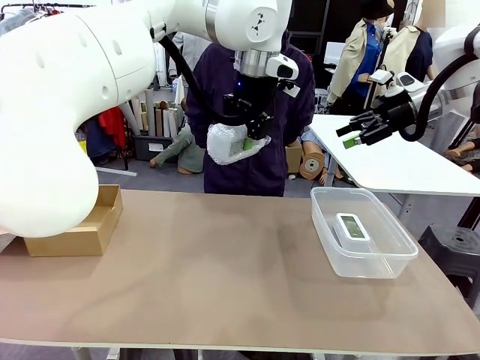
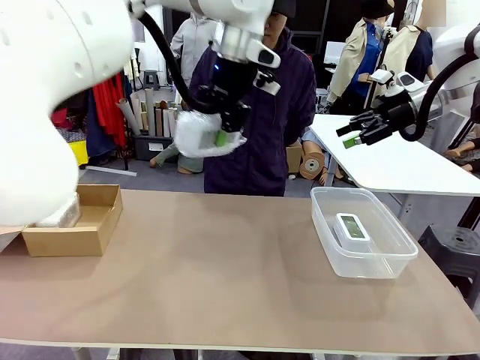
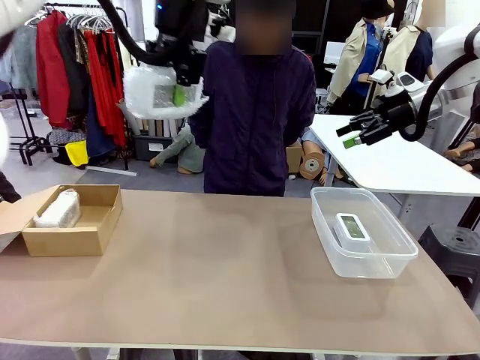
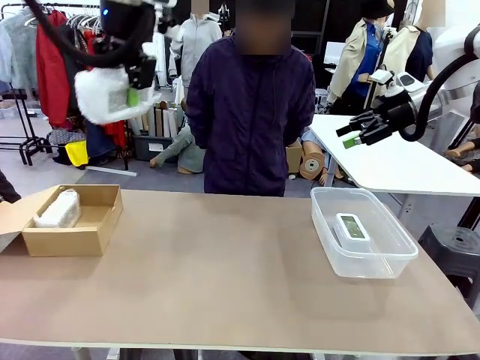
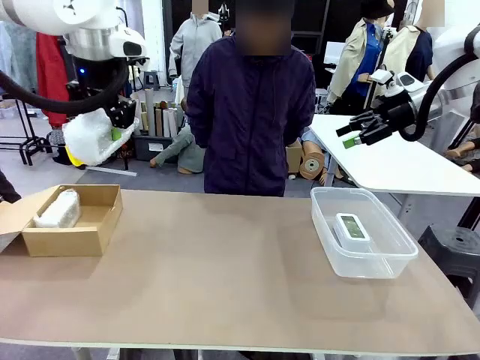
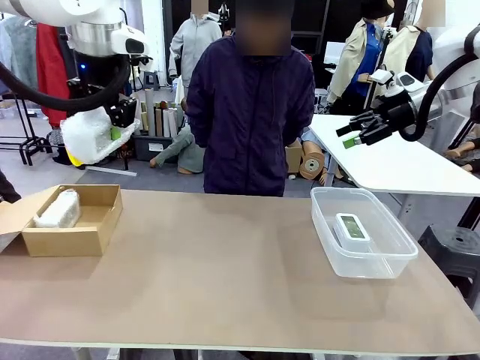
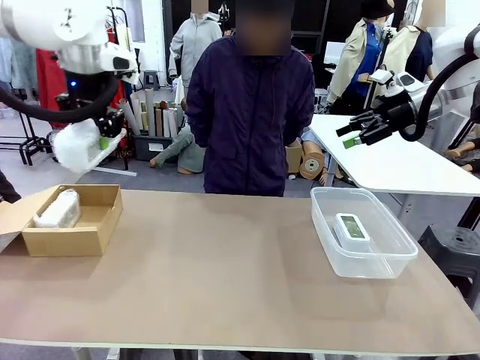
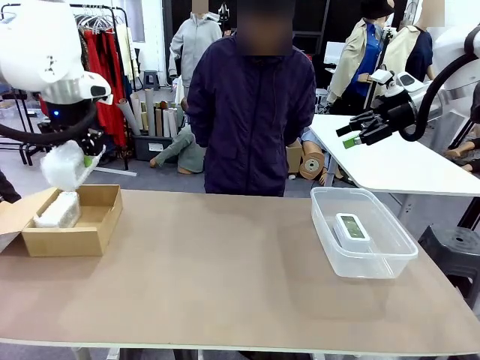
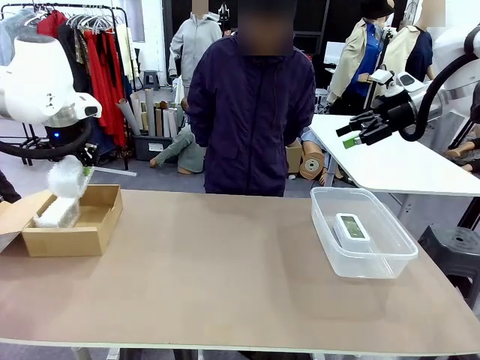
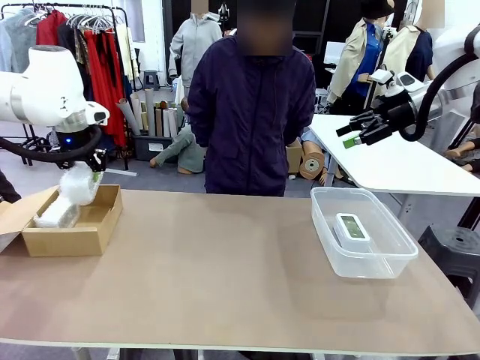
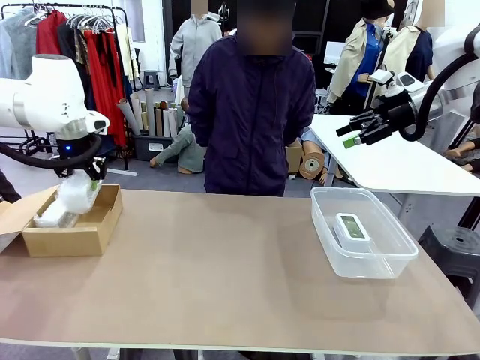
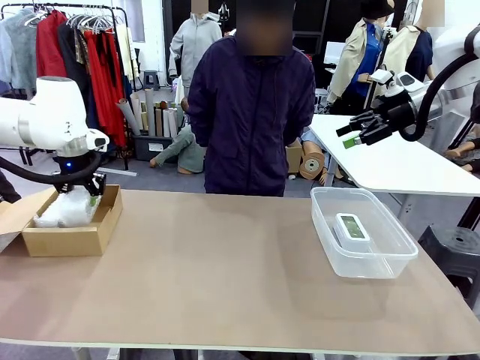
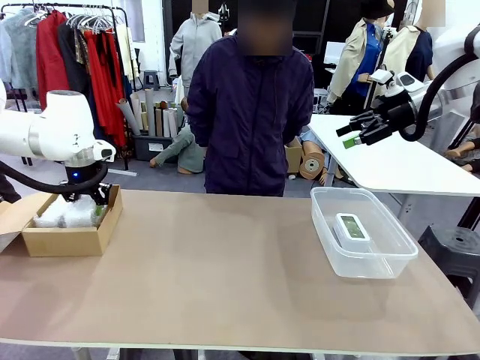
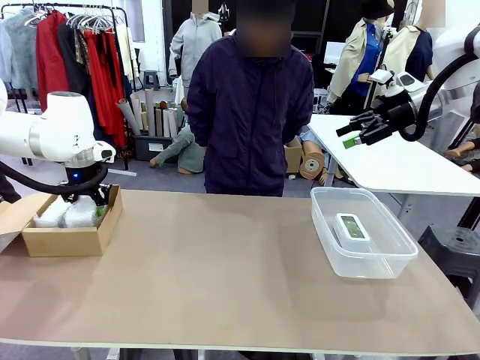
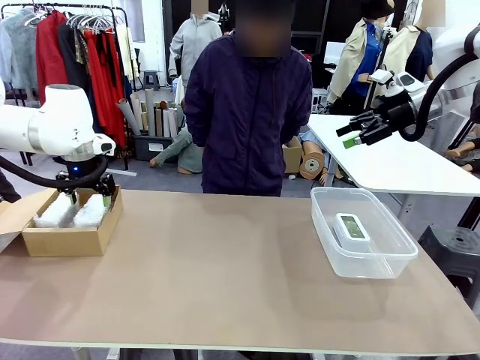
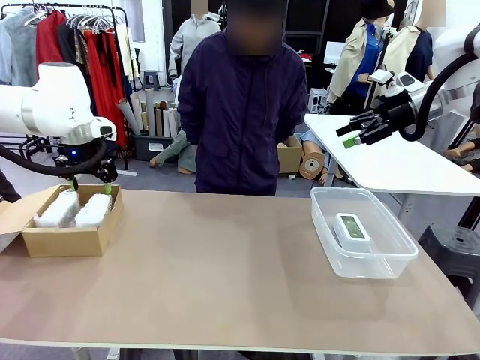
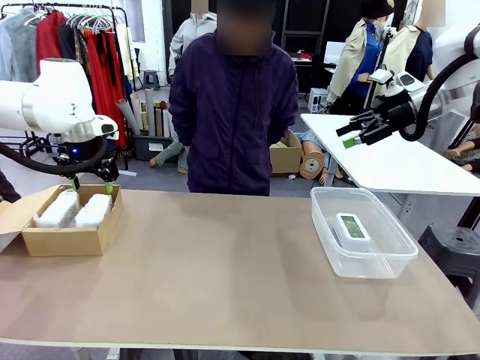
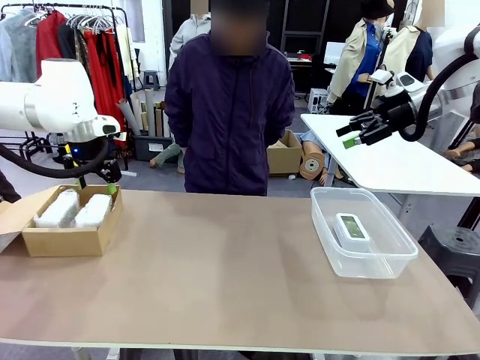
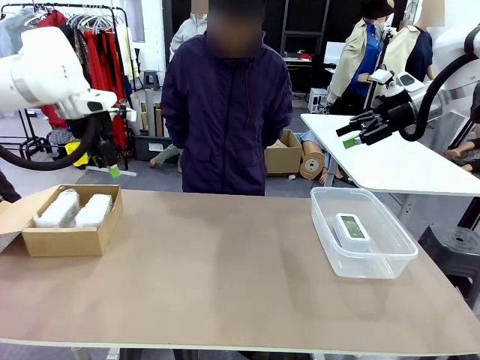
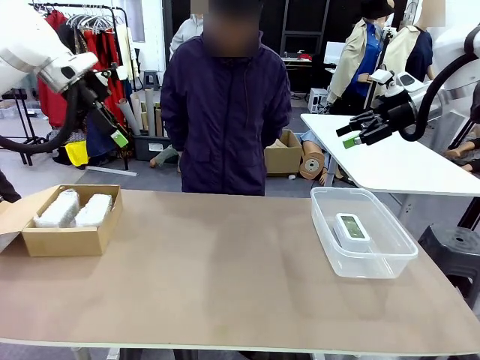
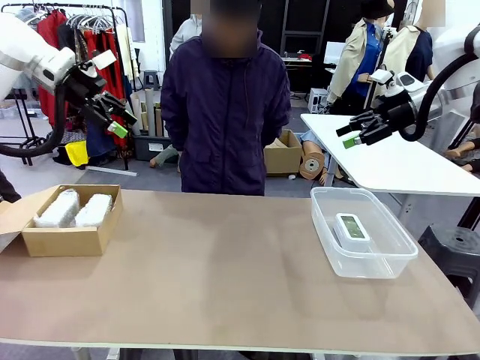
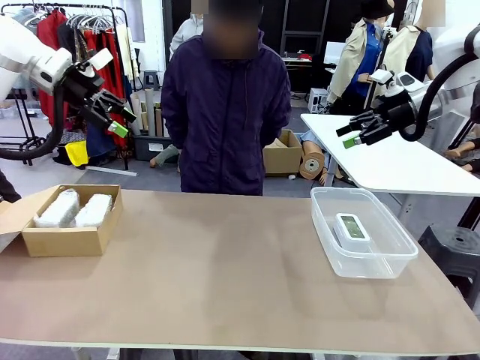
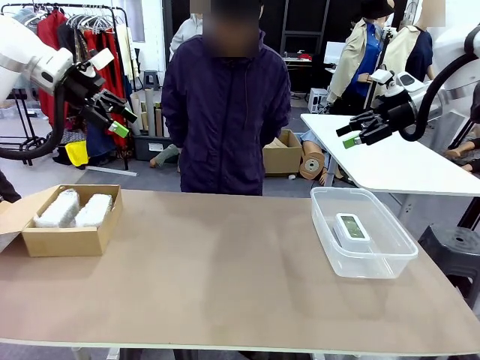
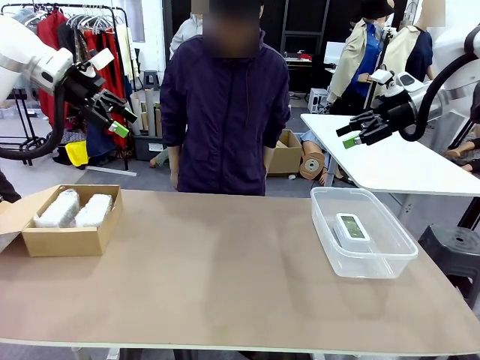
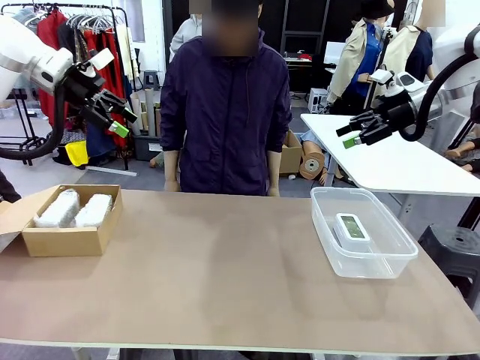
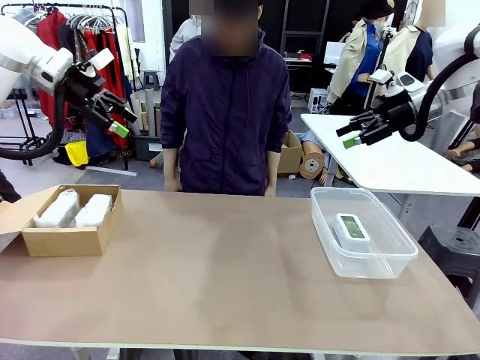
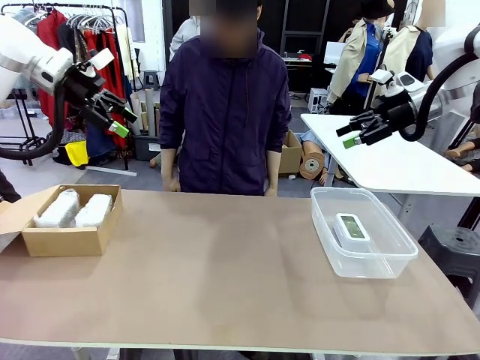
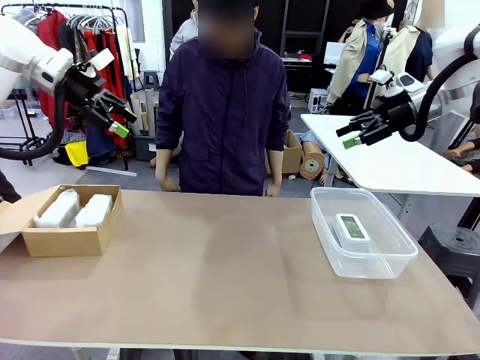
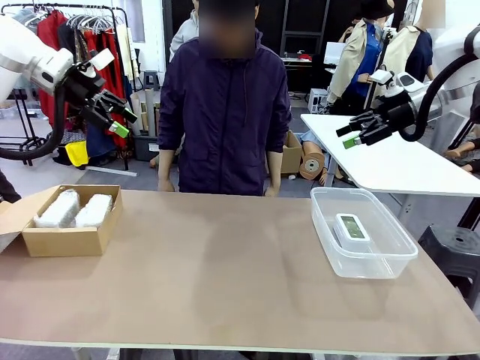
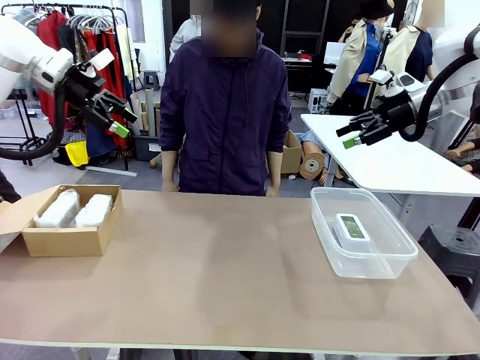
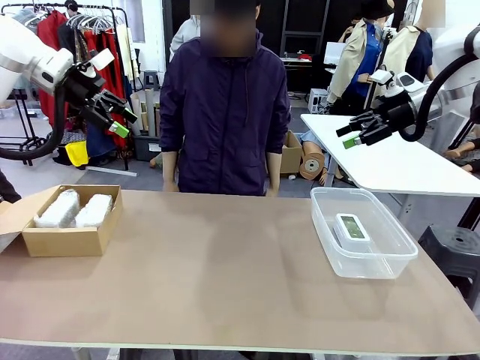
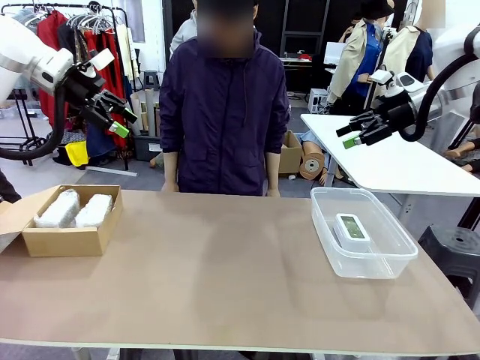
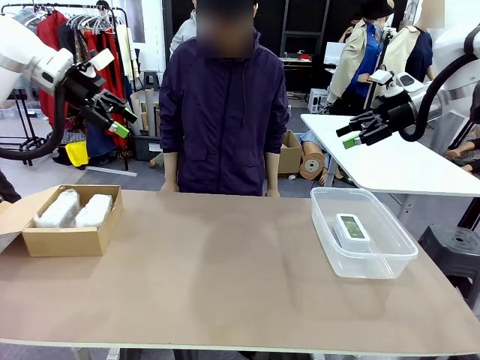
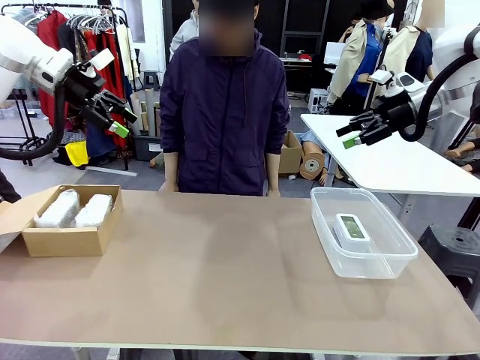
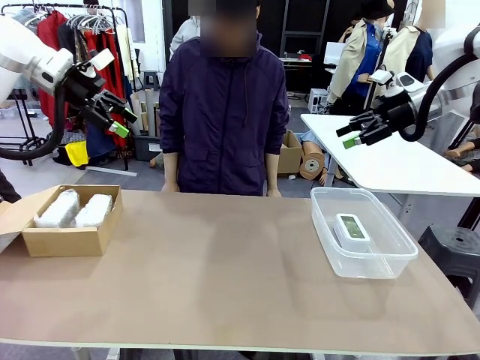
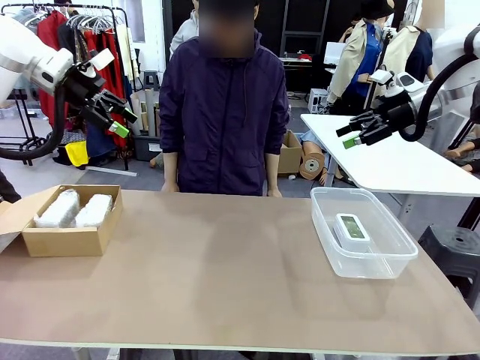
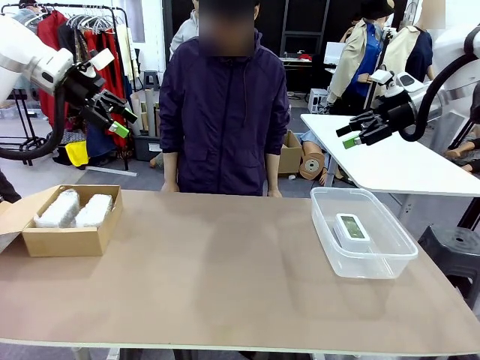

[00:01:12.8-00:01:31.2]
Task: Separate and place wrapped and unwrapped clocks.
Robot: If the picked Digital clock is wrapped, place it in the Package Box ; if not, place it in the Organizing box.

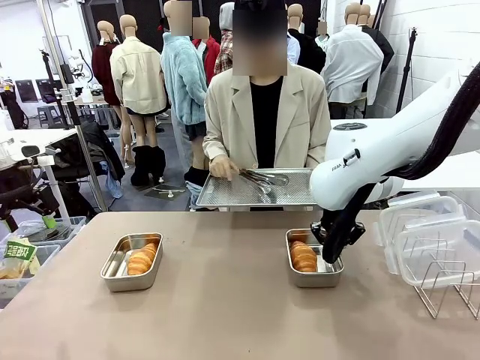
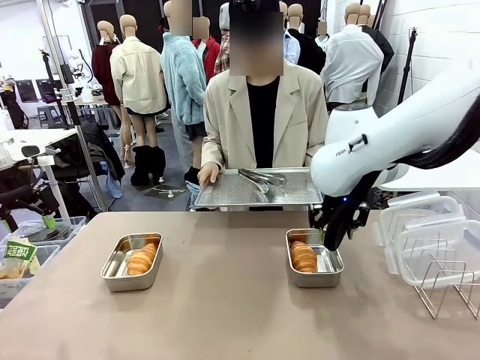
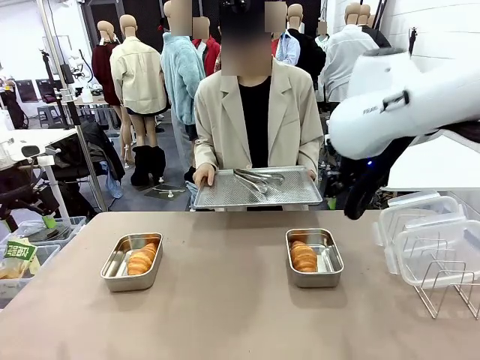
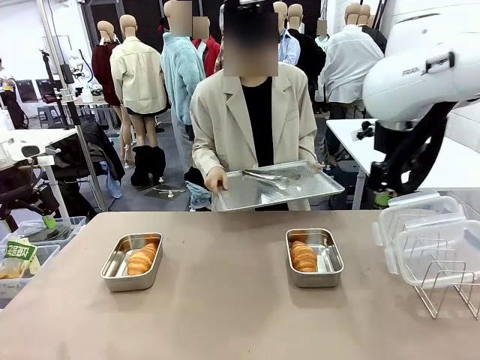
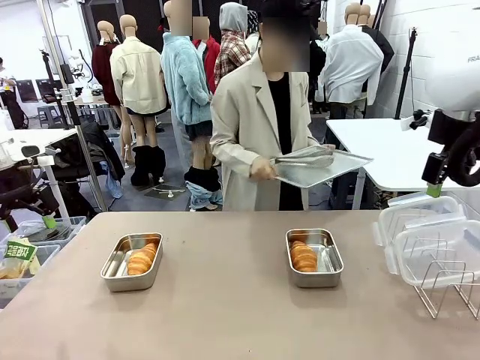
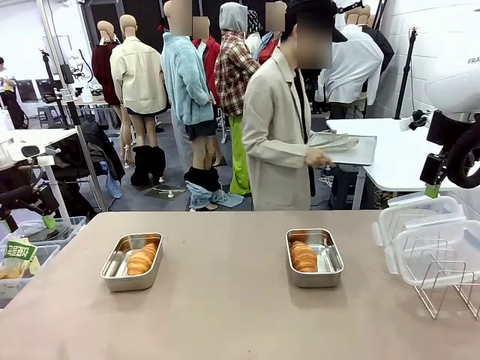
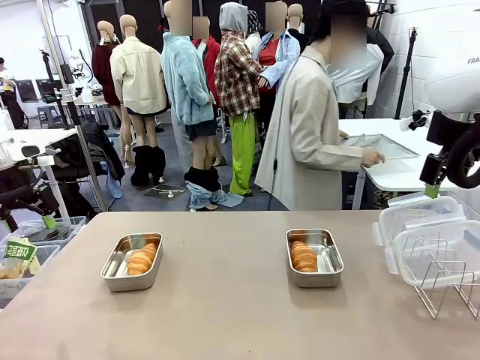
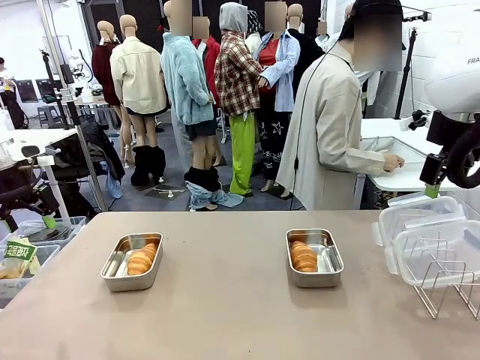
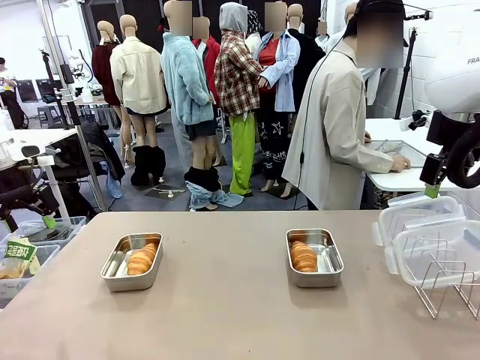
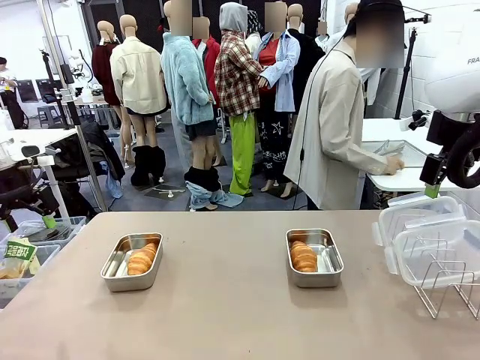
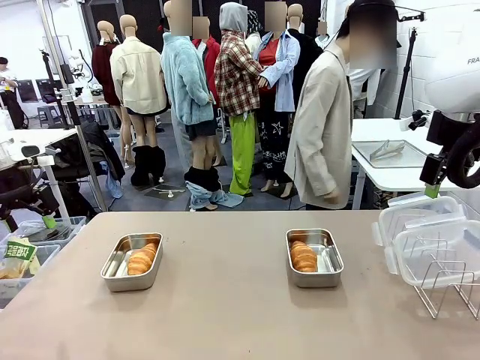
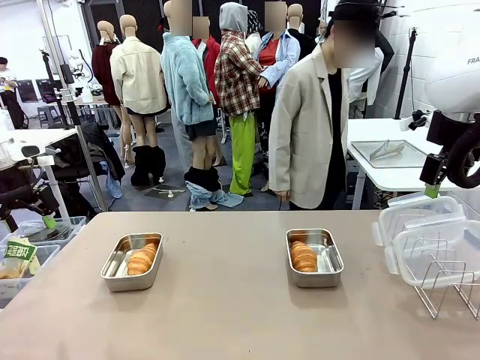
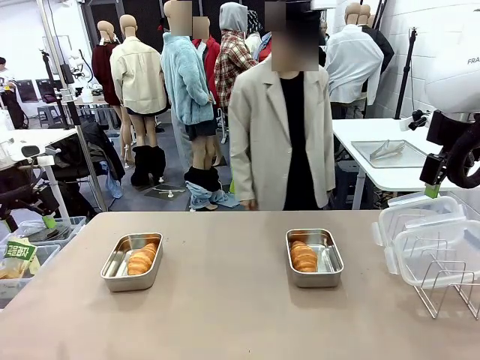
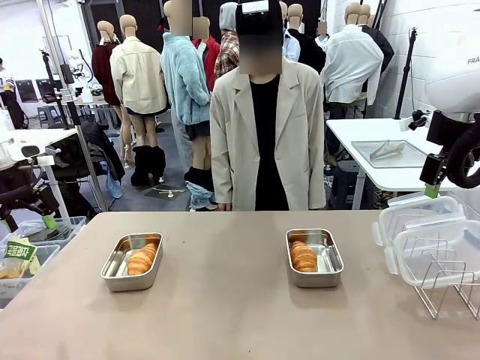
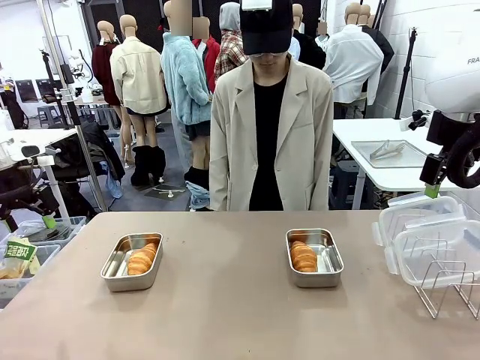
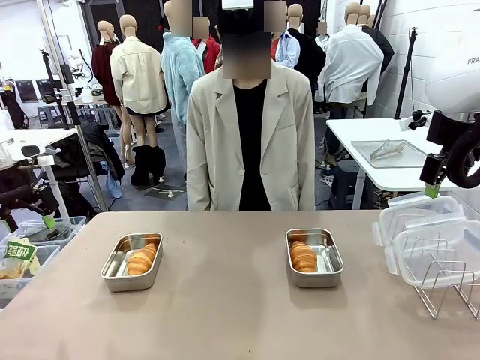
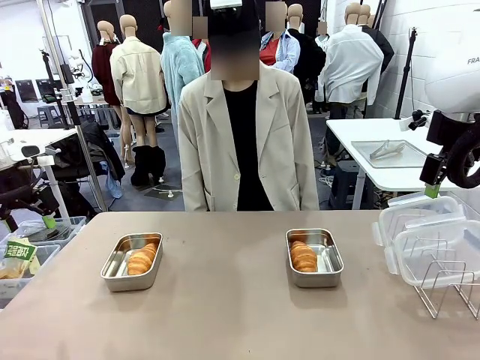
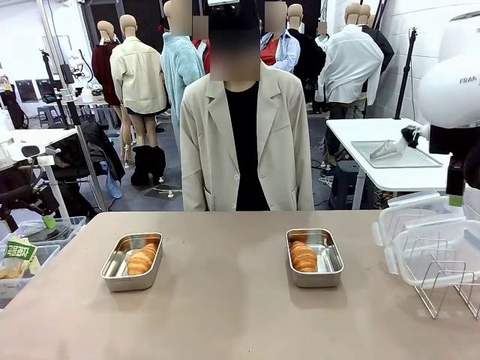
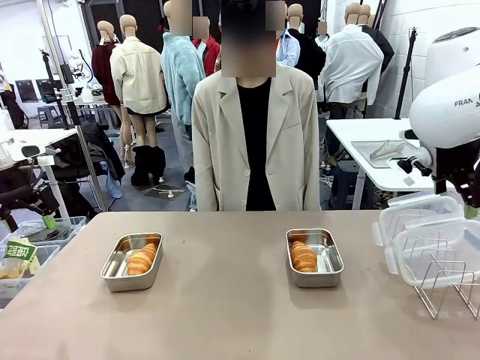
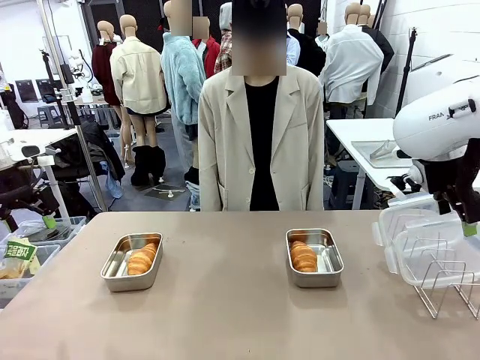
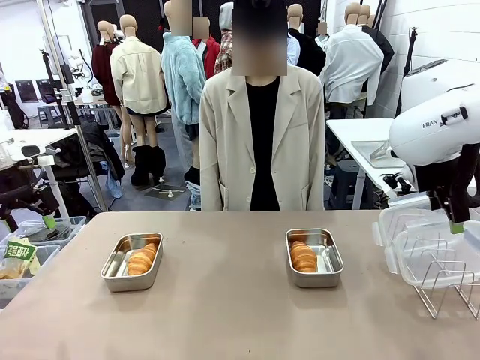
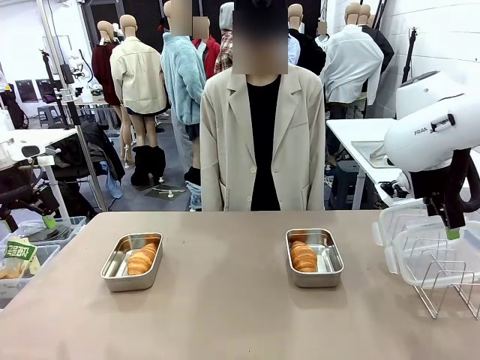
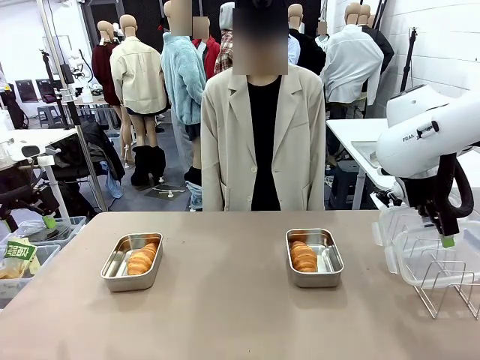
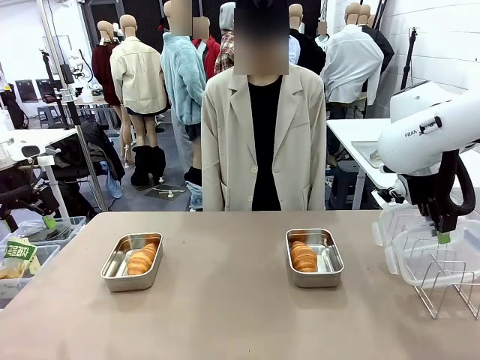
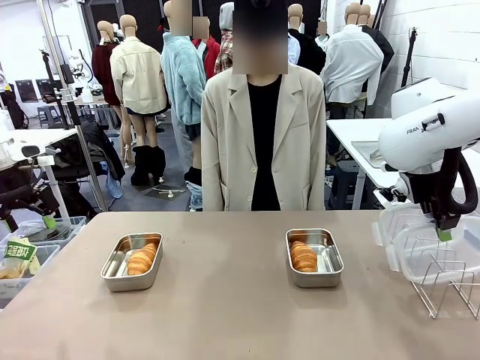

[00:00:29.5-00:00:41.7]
Task: Place the bread in airtight containers.
Robot: Pick up one Airtight Container lid and hand it to the human.
Person: Place Baking Sheet on the Human's Table.
